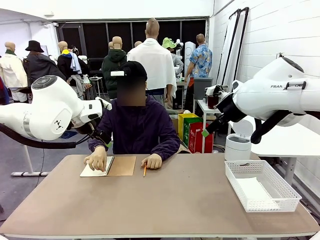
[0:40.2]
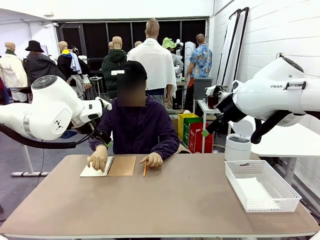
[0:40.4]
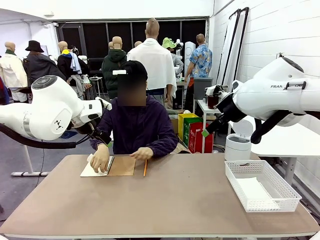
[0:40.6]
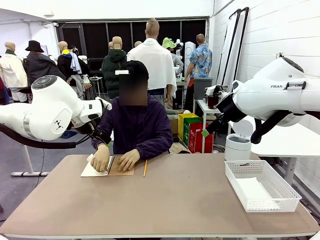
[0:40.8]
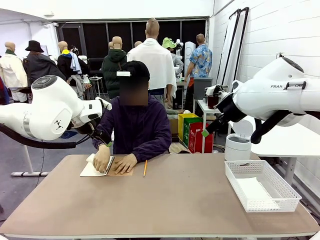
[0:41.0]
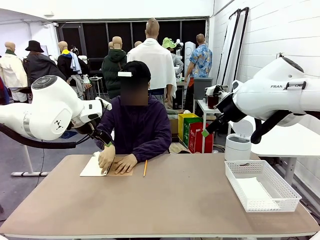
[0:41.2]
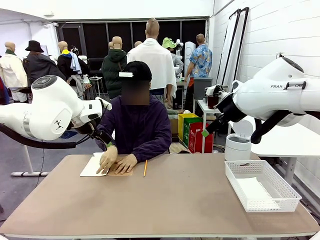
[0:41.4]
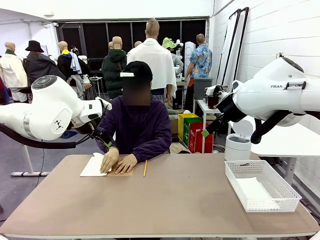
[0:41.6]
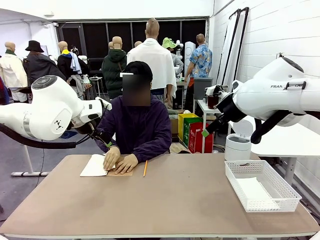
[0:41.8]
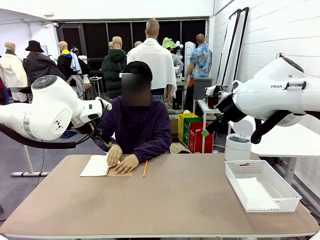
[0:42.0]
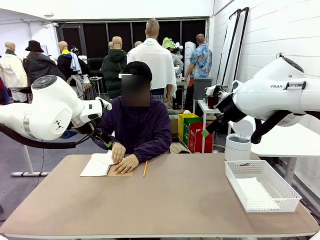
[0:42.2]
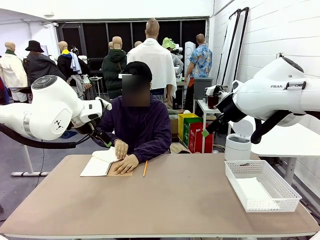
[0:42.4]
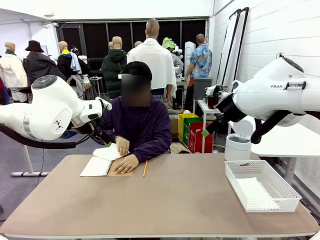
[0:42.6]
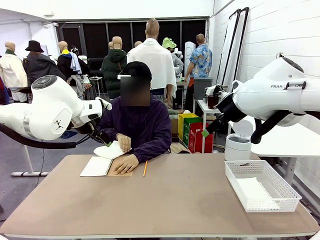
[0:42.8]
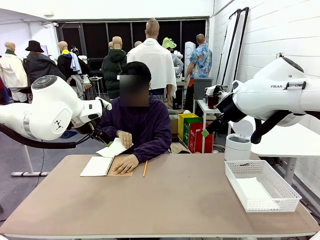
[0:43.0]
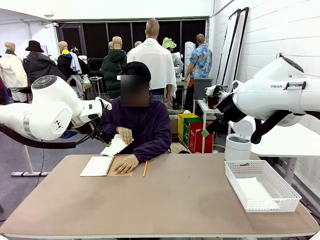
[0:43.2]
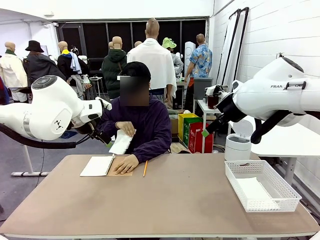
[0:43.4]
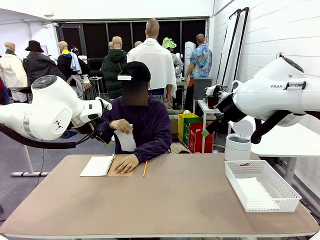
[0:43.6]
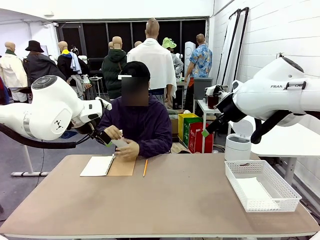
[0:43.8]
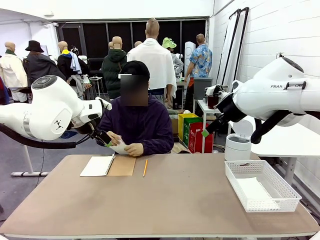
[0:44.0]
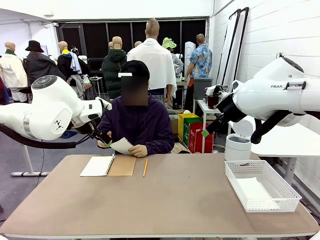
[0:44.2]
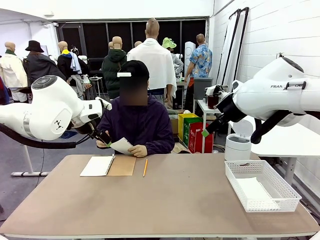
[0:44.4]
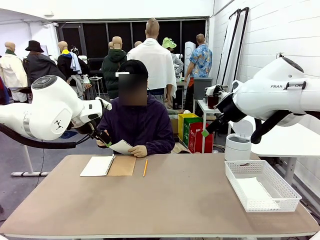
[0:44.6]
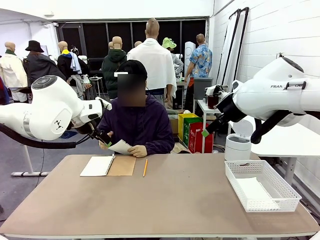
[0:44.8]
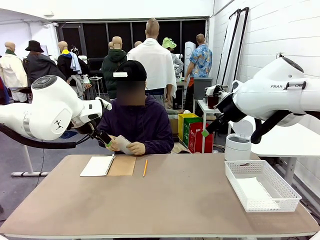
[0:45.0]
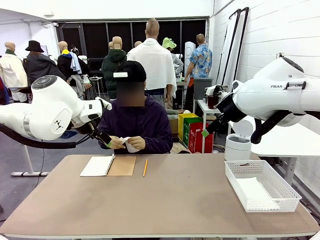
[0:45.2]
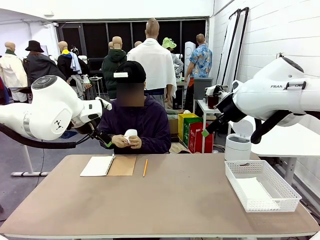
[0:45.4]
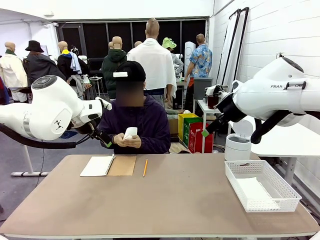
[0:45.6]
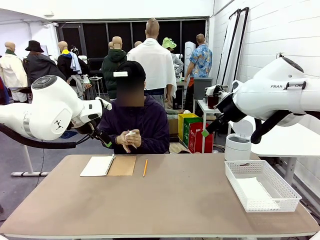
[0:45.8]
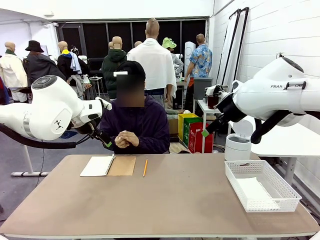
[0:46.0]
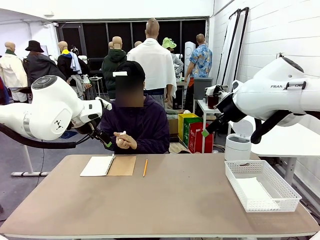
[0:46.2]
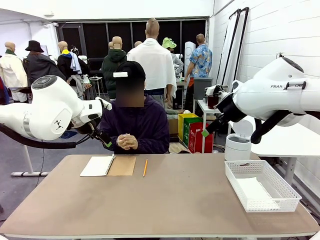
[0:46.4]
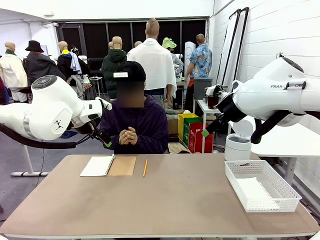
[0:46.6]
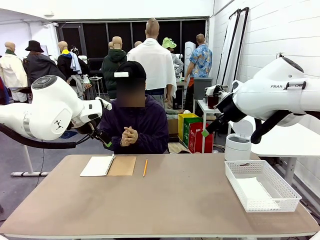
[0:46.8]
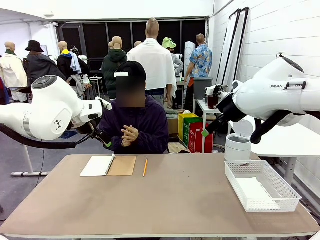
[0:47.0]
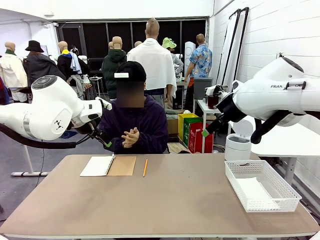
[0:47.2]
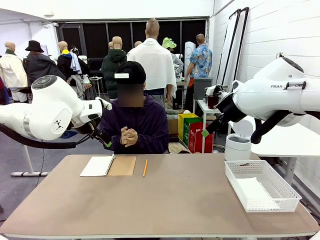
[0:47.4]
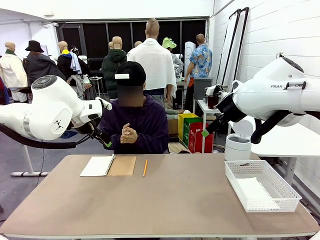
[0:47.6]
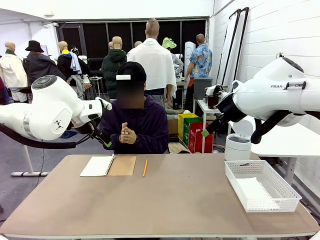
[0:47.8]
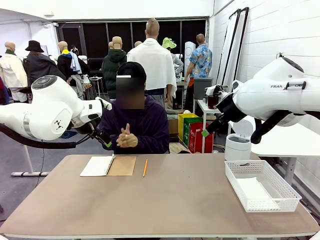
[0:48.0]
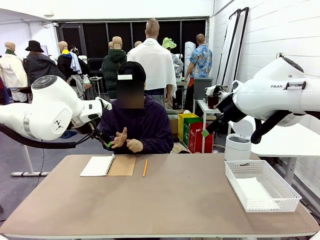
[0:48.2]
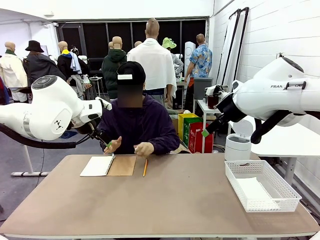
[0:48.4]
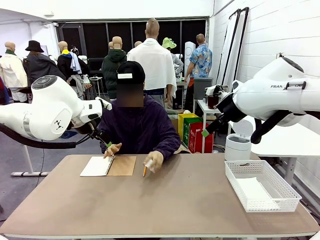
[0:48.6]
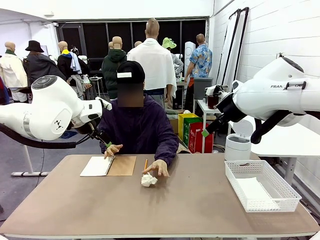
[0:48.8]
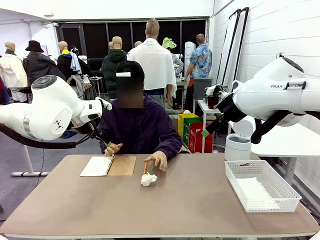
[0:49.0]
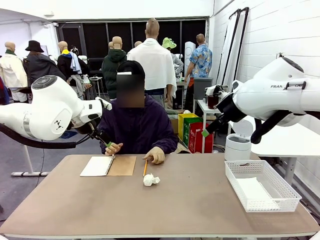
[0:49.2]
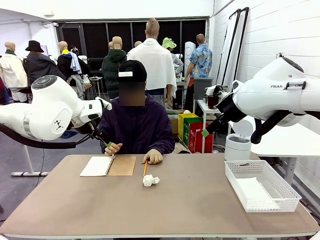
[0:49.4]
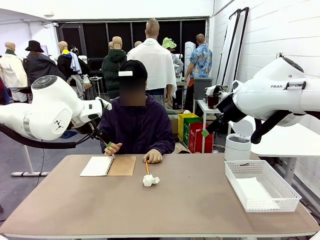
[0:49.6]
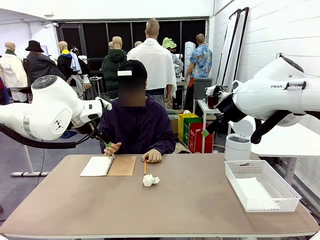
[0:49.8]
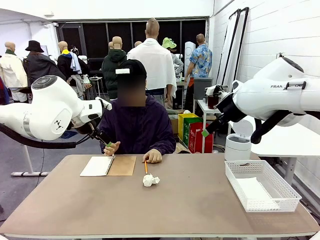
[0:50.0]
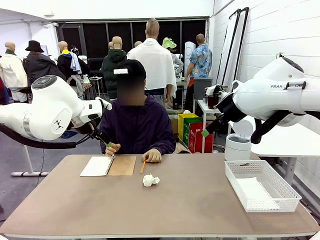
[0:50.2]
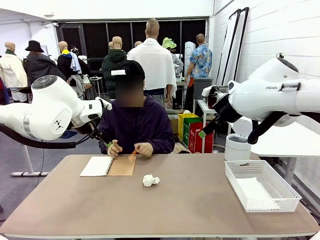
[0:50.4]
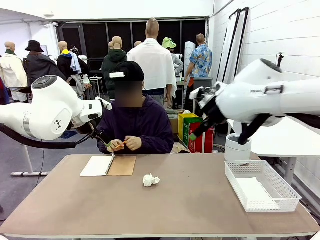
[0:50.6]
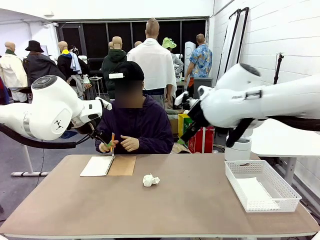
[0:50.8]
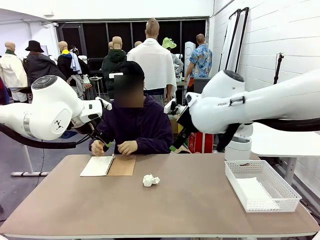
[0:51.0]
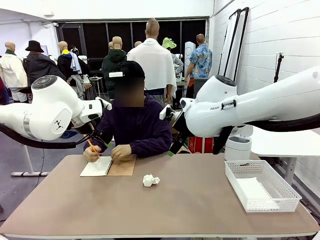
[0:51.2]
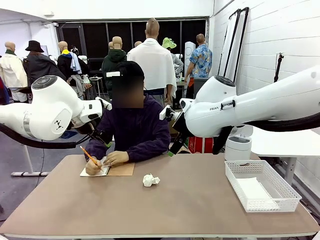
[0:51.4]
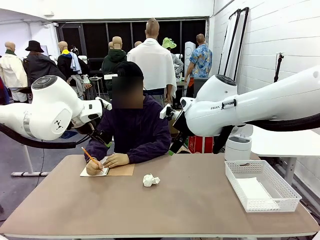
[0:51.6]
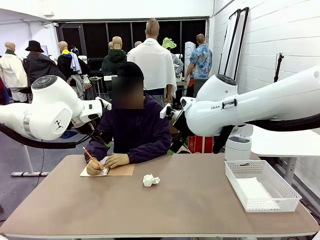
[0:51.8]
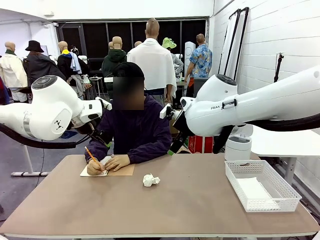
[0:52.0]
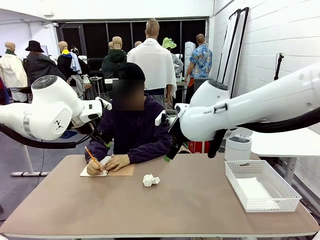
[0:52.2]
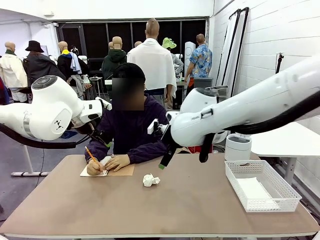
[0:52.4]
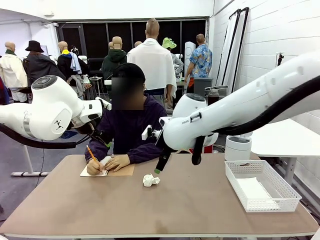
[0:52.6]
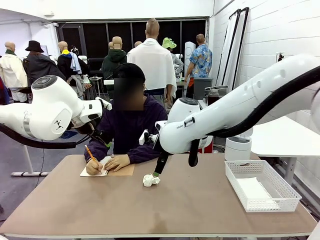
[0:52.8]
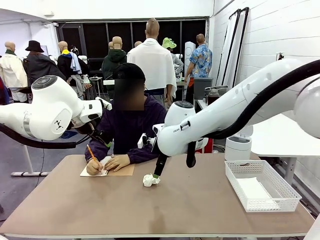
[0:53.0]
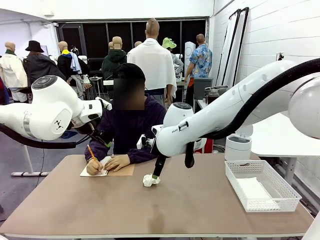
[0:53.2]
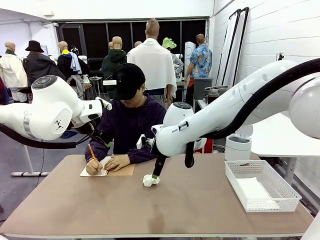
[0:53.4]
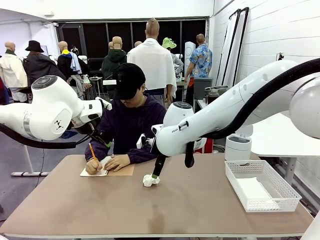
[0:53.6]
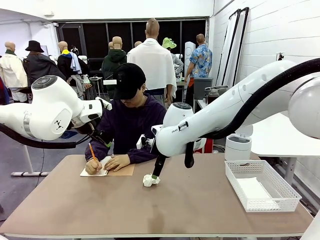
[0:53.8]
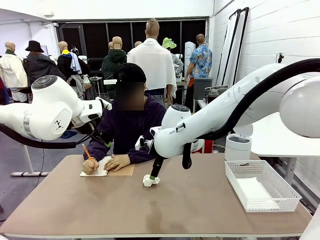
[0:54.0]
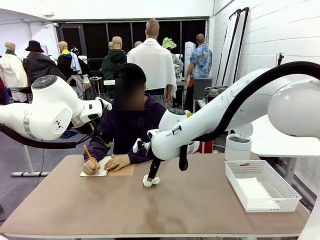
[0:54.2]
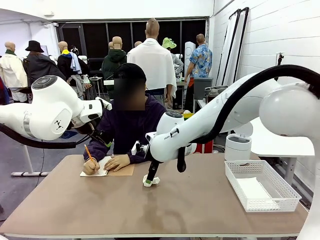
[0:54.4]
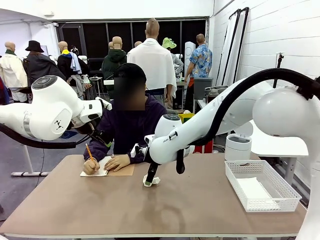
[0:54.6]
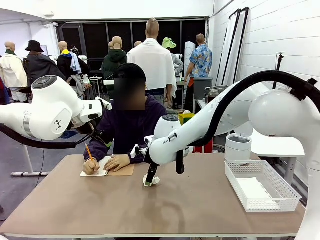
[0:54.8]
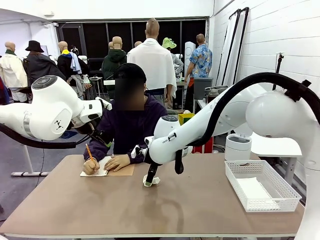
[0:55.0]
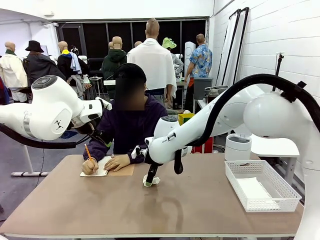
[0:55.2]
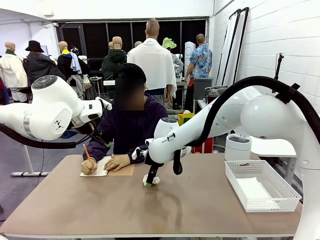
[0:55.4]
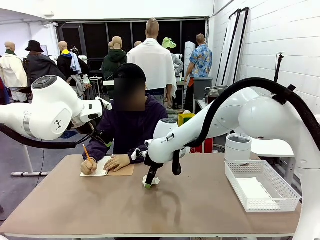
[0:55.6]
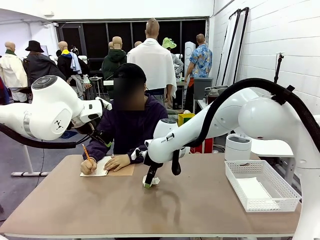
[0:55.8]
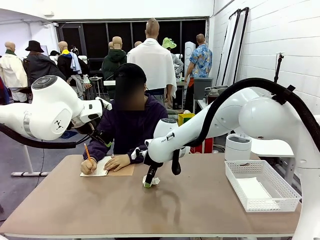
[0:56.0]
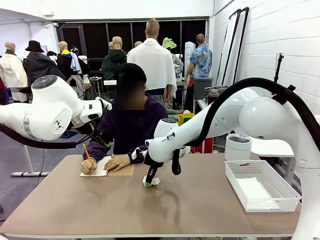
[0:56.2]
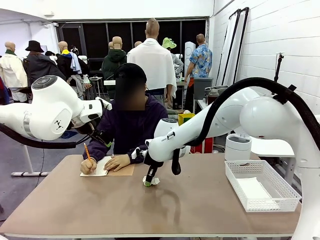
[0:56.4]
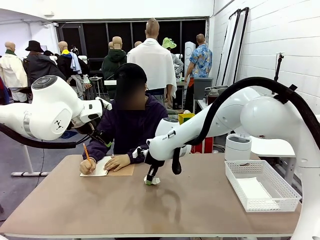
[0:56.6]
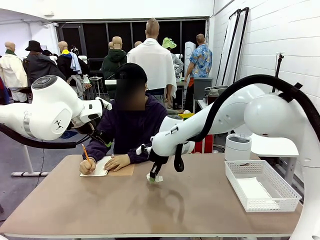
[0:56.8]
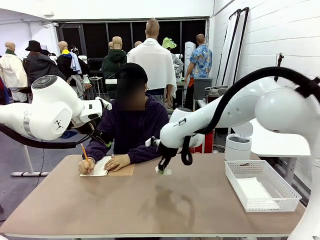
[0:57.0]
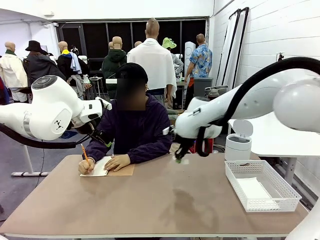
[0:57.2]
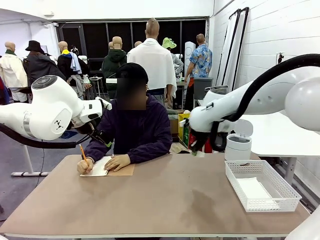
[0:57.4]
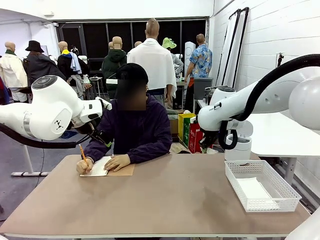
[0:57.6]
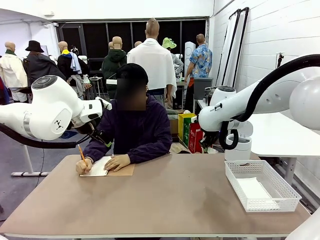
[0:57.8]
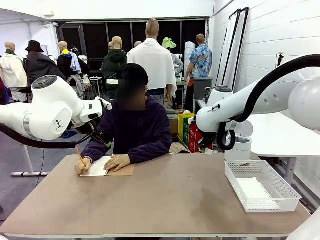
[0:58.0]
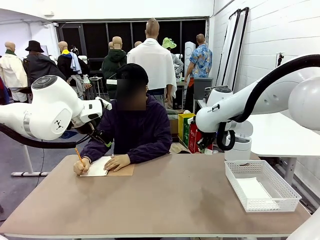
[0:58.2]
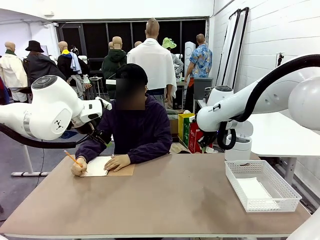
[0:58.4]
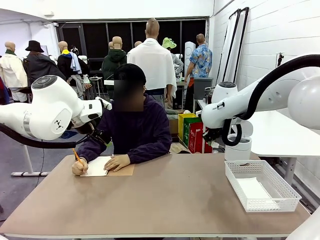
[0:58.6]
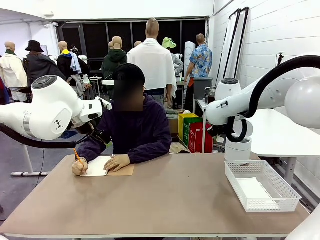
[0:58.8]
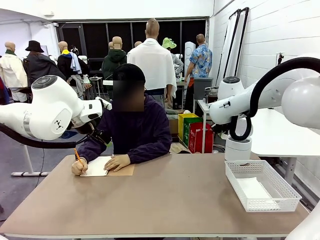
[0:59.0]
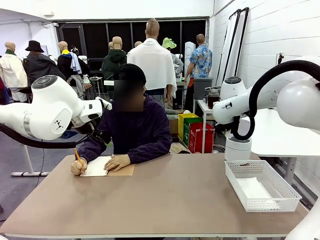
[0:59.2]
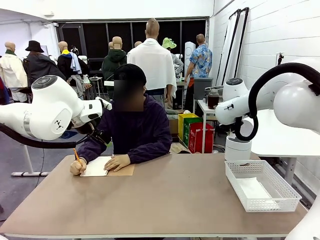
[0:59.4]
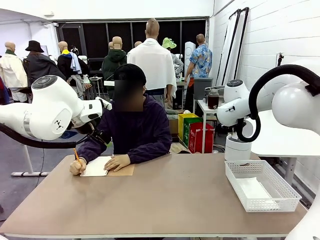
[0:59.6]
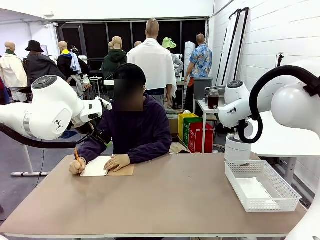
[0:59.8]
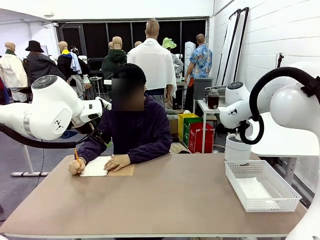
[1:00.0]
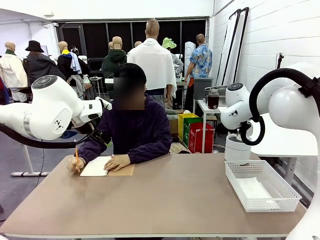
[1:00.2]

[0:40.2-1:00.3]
Task: Sort the paper based on its condition.
Robot: If a person hands you a paper, place it in the Organizing basket , and if it's crumpled, put it in the Trash can.
Person: Hand the torn page to the robot or crumple it and throw it to the center of the table. Tear out a page from the spiral notebook.
